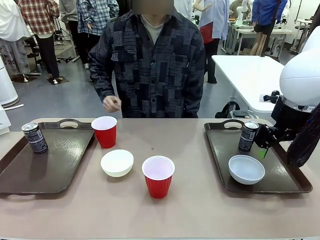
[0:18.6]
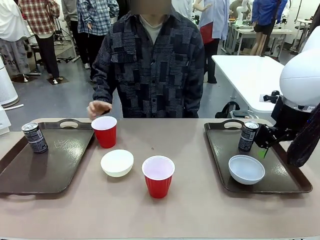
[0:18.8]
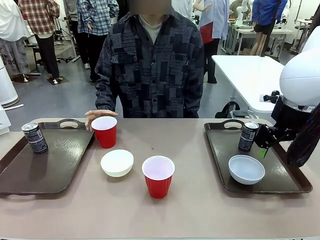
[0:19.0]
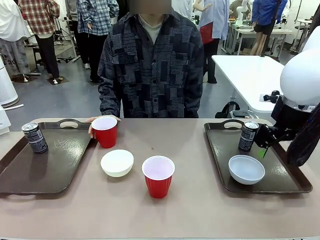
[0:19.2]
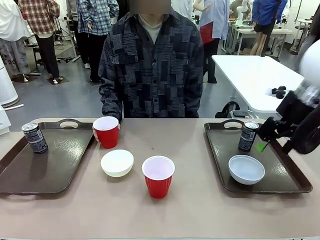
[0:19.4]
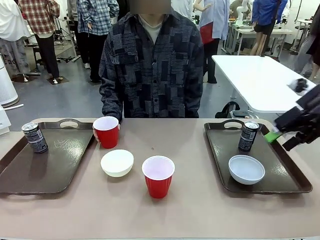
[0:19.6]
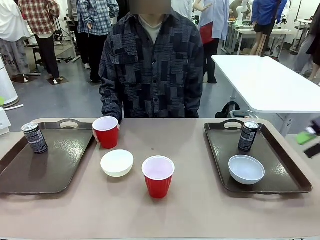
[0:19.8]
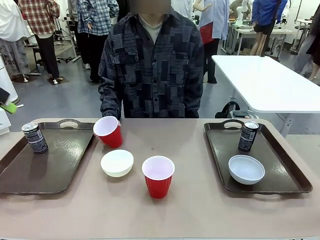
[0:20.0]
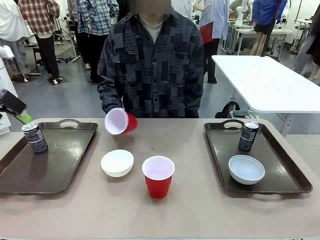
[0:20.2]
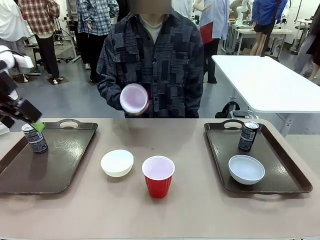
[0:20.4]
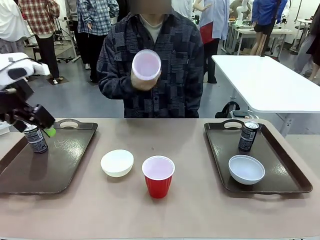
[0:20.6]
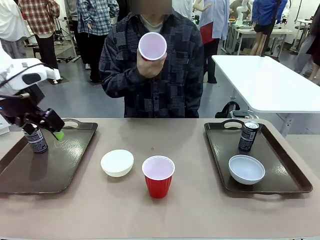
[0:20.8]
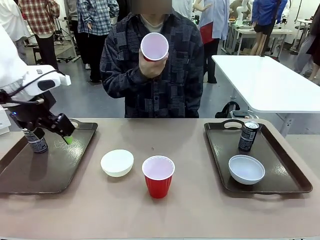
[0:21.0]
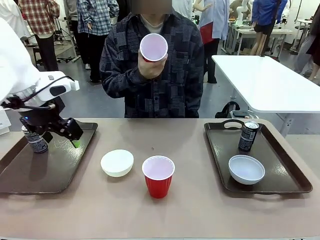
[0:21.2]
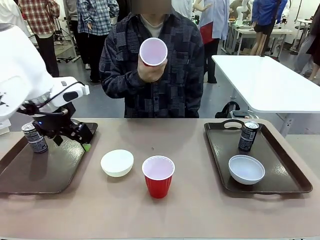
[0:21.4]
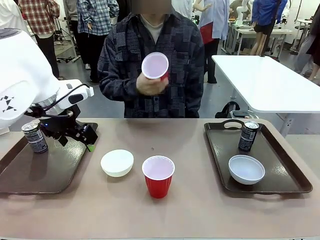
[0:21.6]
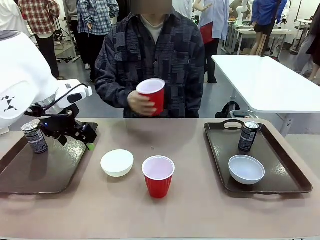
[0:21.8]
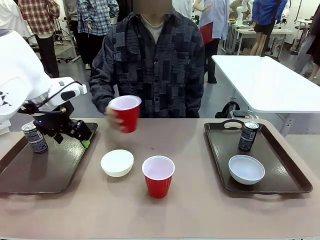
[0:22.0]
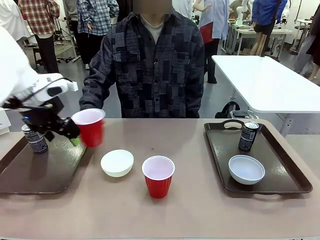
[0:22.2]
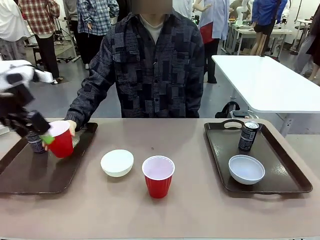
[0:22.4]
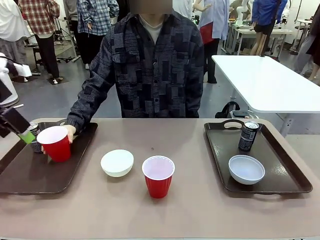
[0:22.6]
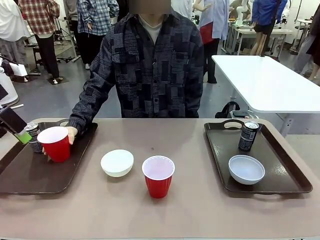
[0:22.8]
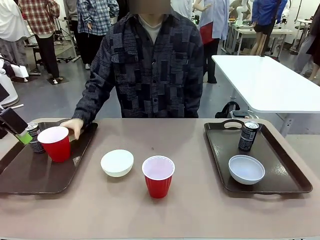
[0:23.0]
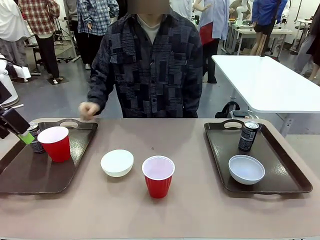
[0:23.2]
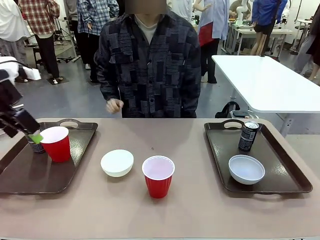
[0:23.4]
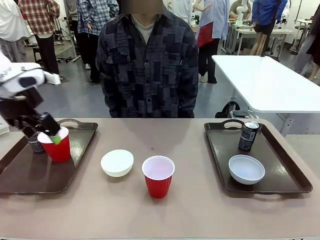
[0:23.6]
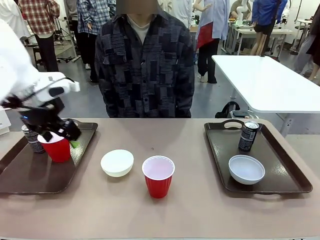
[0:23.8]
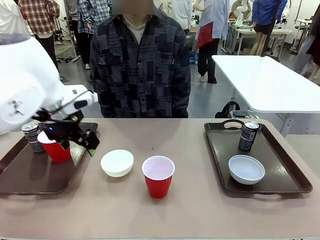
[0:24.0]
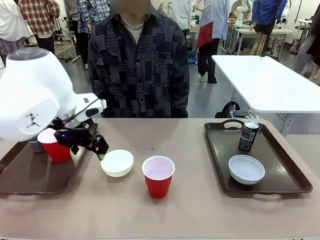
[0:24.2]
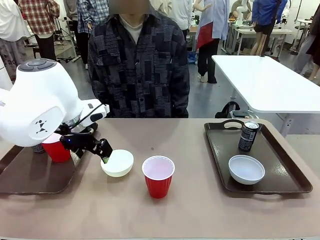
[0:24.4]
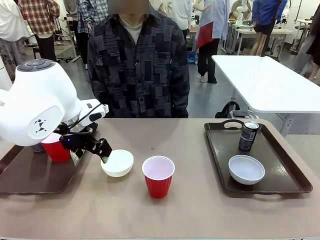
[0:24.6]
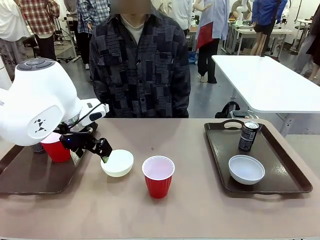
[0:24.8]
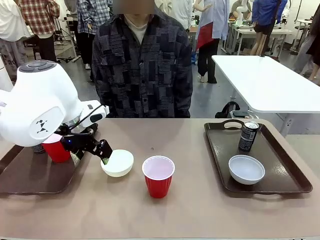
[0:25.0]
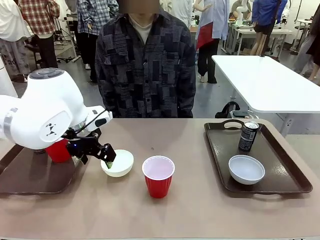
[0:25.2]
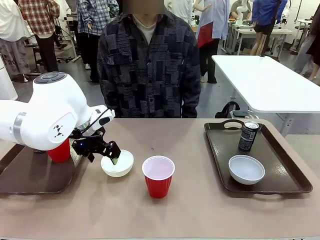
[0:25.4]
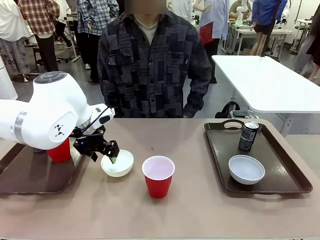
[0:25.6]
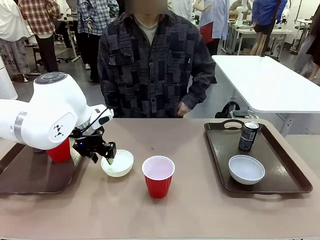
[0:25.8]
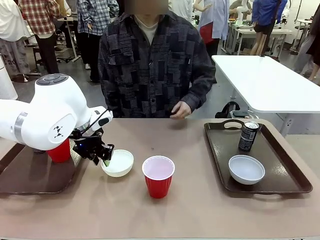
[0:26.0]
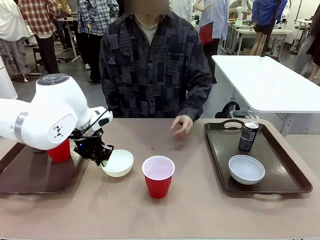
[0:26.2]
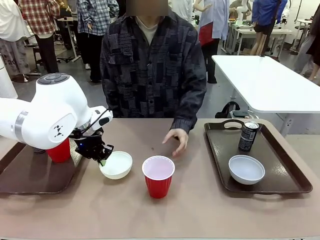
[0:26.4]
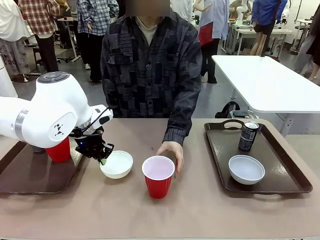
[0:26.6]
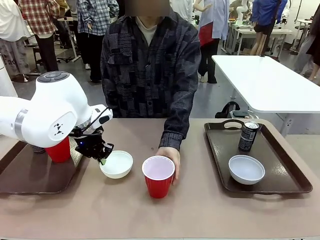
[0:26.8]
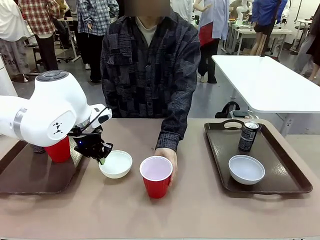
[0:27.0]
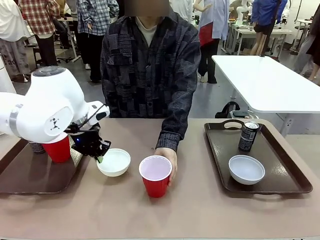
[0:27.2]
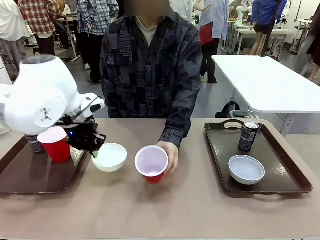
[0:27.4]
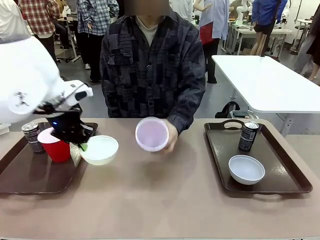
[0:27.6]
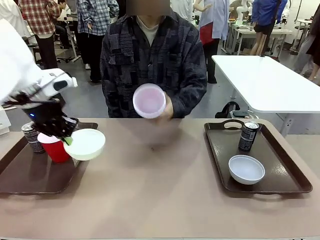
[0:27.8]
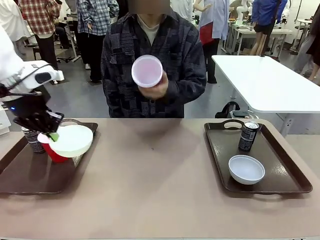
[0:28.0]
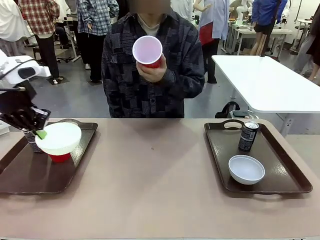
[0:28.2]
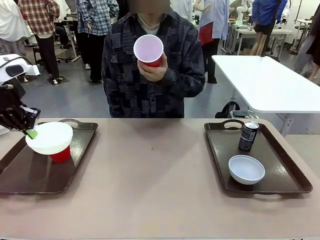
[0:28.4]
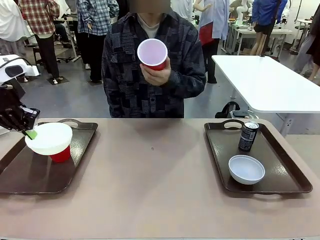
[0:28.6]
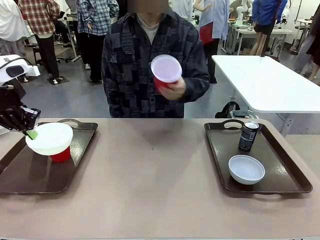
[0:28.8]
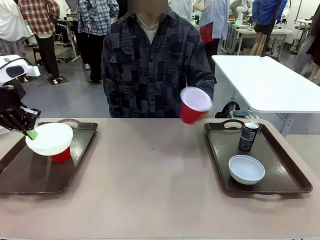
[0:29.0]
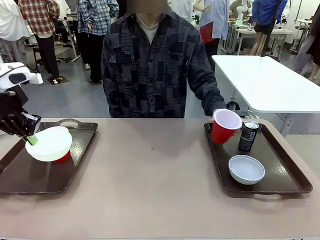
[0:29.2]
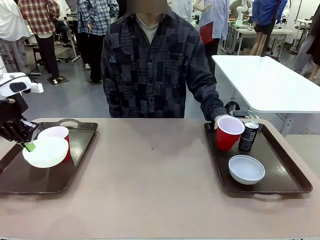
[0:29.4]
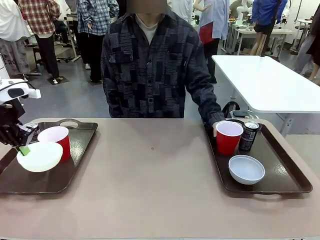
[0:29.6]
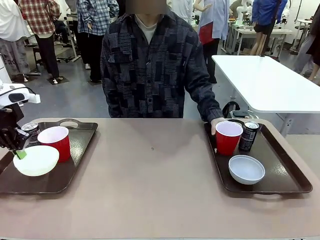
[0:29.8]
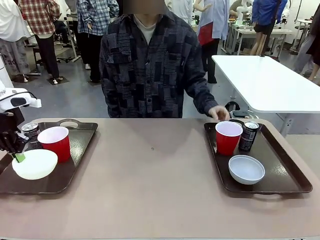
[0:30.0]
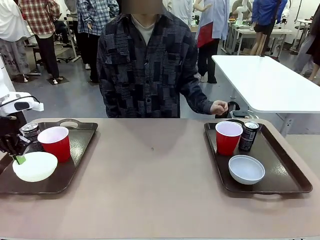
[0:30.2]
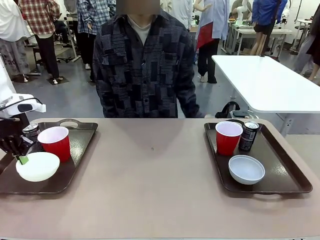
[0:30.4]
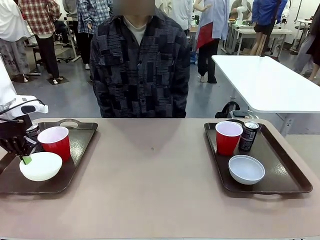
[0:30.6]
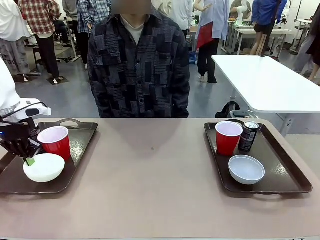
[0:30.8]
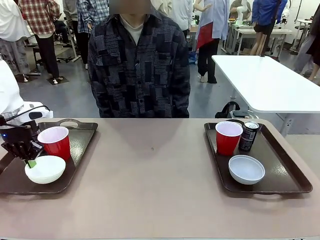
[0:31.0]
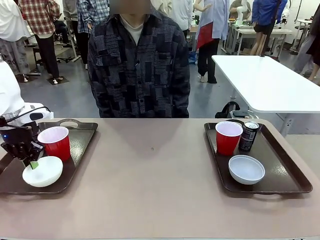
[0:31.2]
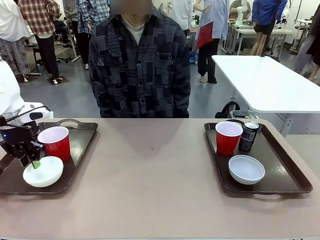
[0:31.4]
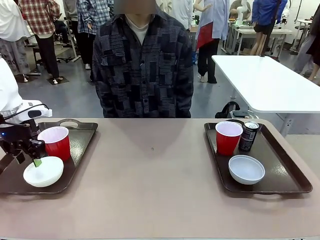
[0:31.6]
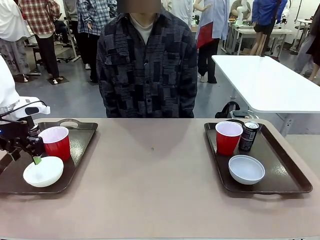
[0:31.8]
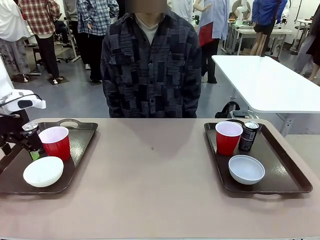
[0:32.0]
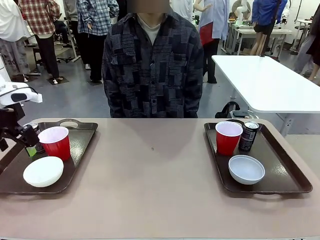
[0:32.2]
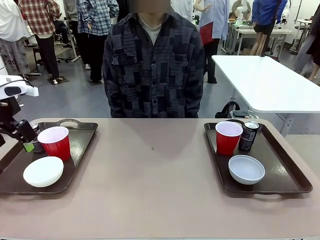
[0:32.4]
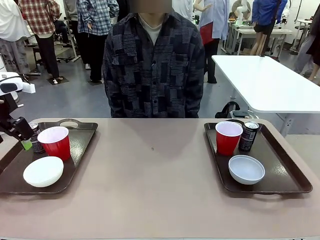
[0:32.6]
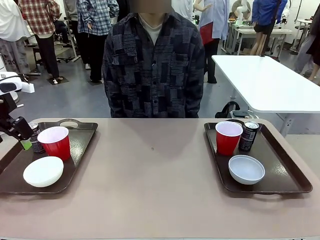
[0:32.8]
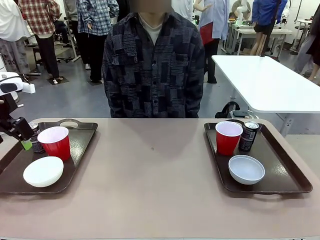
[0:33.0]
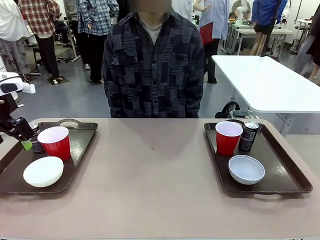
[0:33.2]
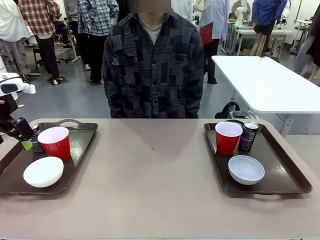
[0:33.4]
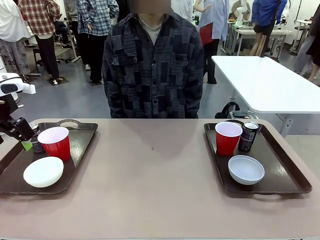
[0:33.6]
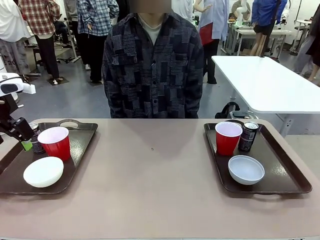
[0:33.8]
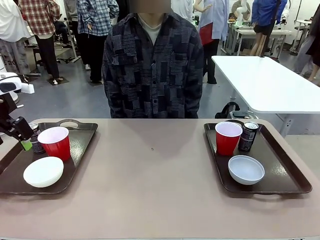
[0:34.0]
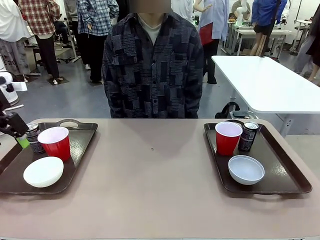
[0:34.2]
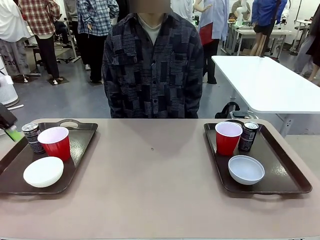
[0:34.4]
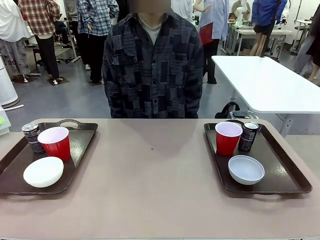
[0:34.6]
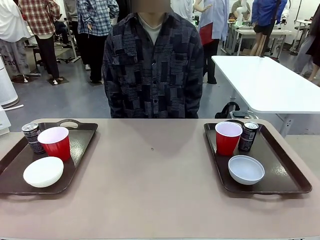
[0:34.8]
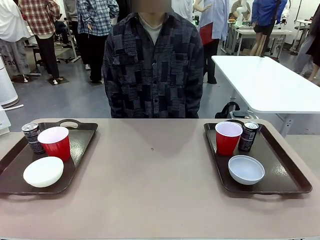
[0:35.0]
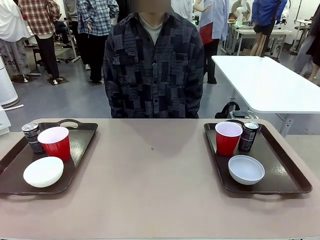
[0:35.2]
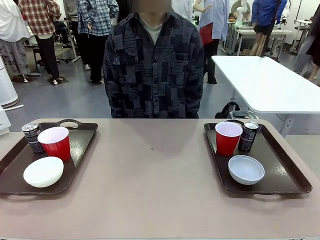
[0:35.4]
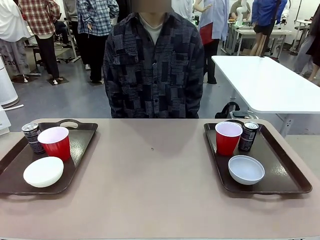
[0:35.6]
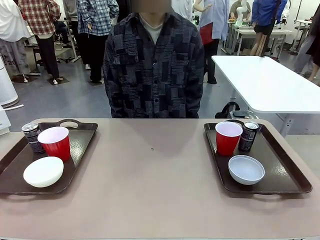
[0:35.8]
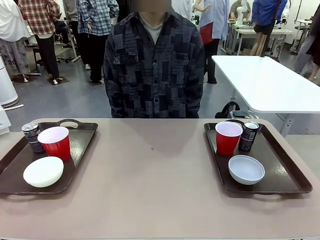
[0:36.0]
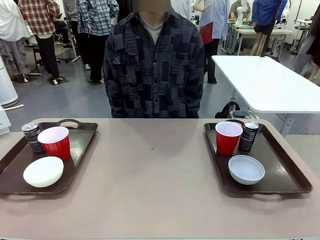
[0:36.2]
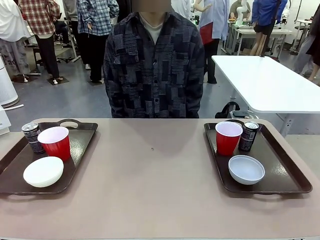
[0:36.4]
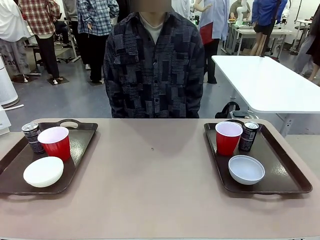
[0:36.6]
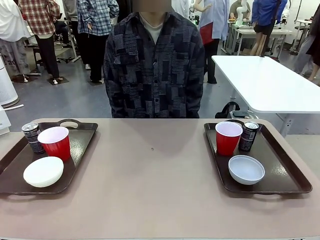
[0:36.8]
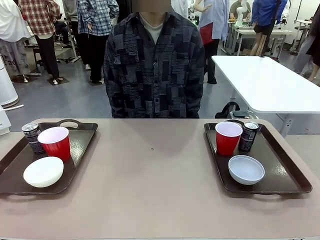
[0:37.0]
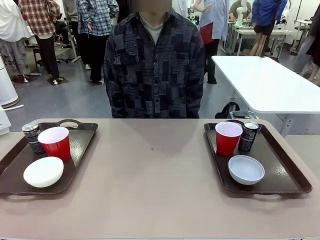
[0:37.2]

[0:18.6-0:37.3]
Task: Prepare tableware on both trays.
Robot: Pick up a Picnic Bowl from the table and place it on a Handle tray.
Person: Pick up a can or cup and place it on the tray without a can or cup.
